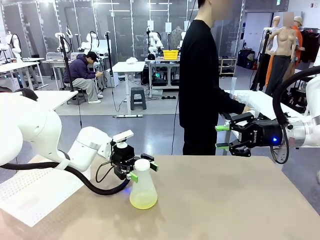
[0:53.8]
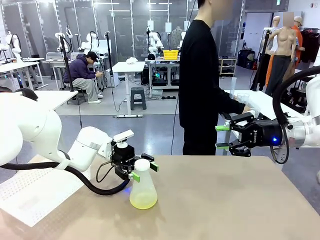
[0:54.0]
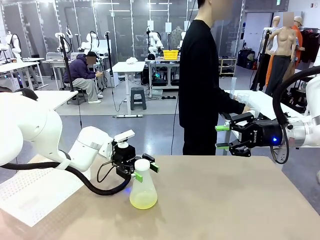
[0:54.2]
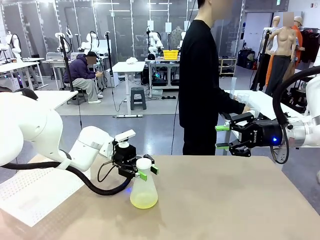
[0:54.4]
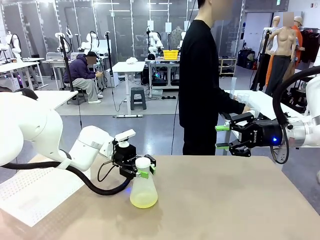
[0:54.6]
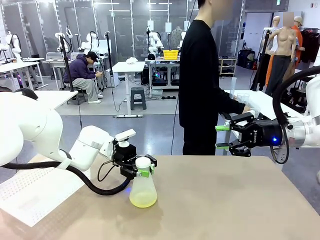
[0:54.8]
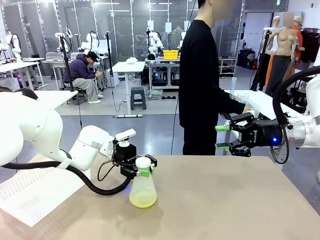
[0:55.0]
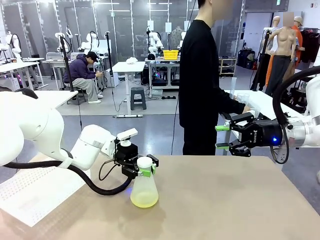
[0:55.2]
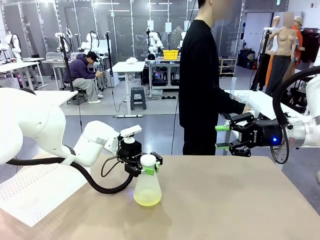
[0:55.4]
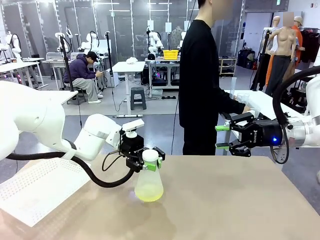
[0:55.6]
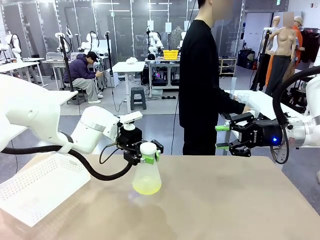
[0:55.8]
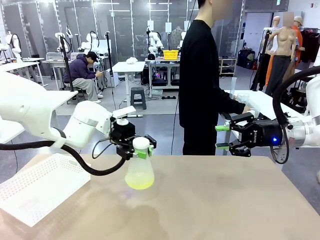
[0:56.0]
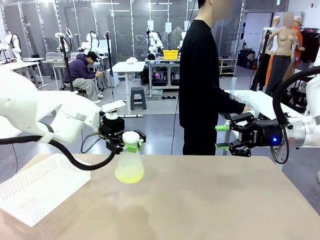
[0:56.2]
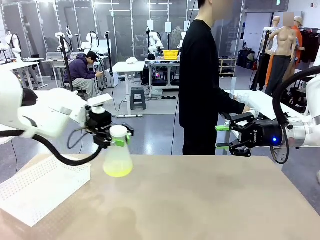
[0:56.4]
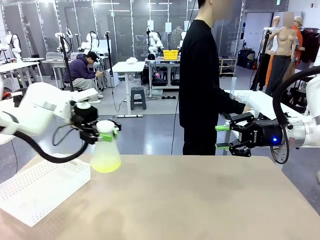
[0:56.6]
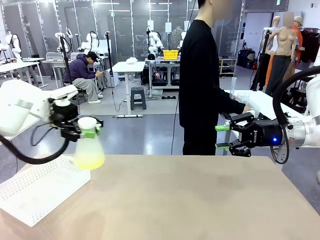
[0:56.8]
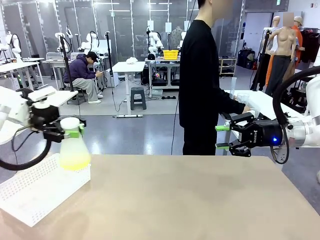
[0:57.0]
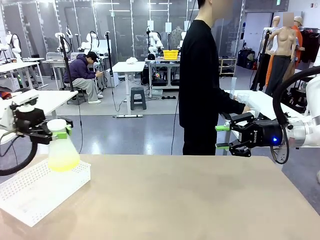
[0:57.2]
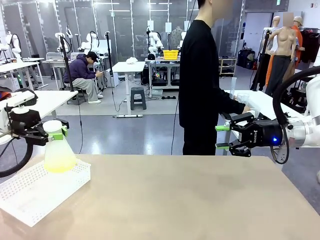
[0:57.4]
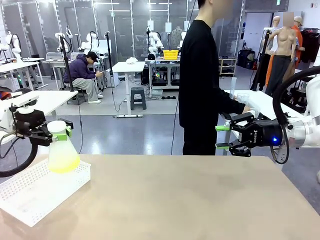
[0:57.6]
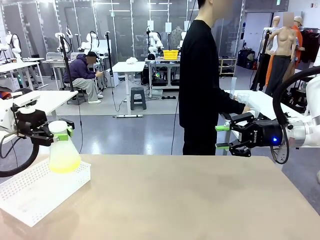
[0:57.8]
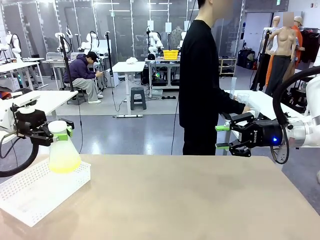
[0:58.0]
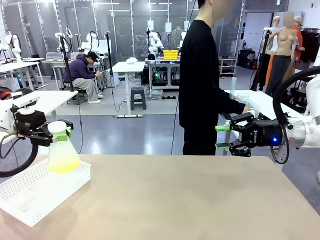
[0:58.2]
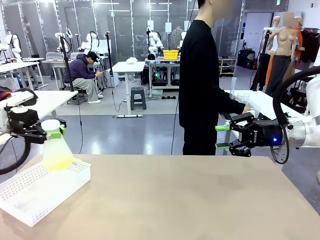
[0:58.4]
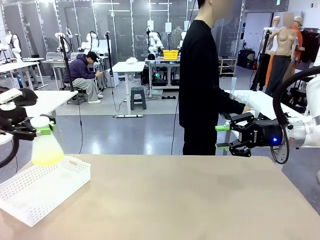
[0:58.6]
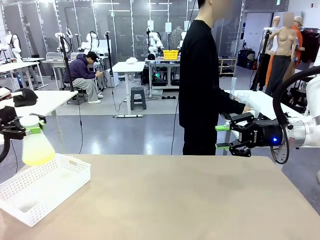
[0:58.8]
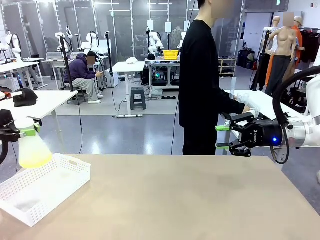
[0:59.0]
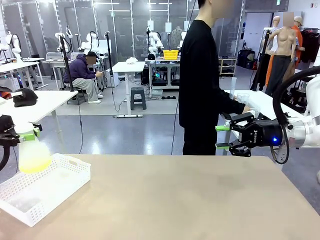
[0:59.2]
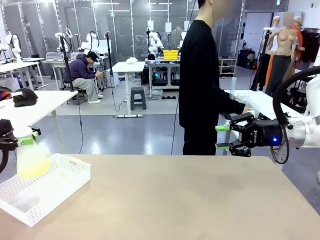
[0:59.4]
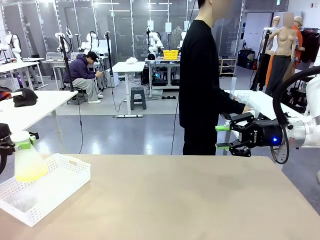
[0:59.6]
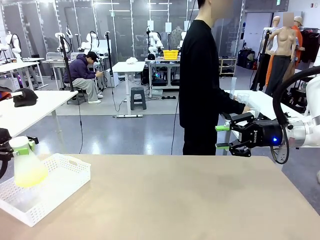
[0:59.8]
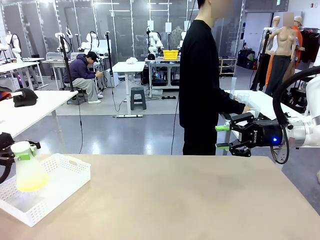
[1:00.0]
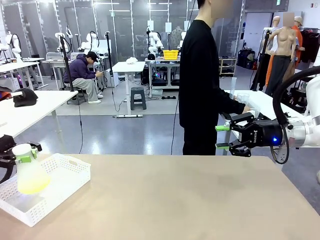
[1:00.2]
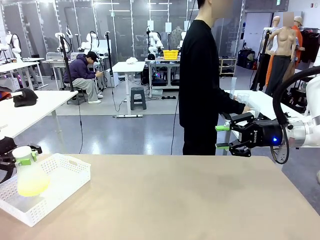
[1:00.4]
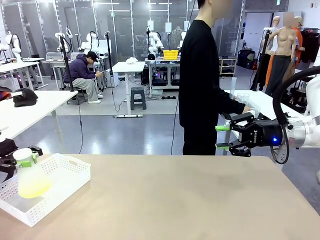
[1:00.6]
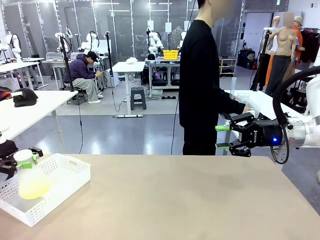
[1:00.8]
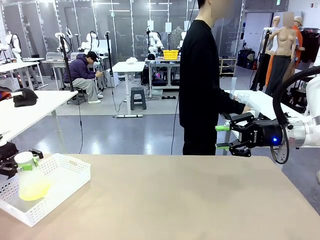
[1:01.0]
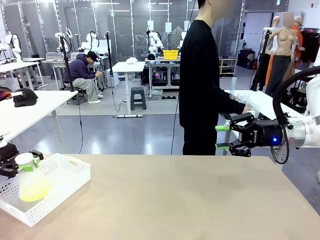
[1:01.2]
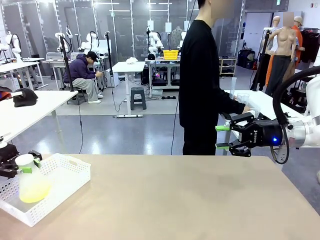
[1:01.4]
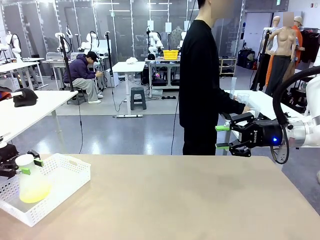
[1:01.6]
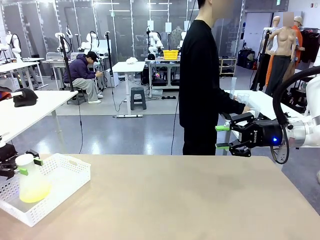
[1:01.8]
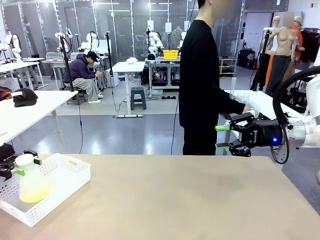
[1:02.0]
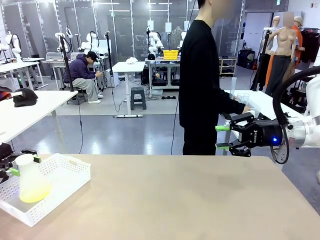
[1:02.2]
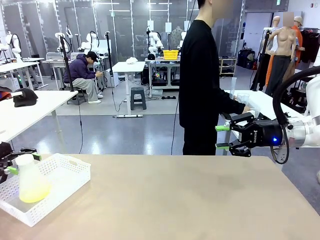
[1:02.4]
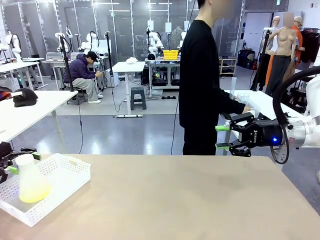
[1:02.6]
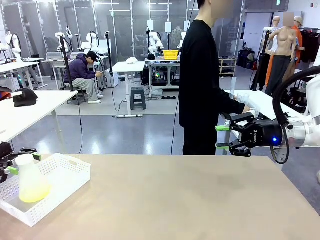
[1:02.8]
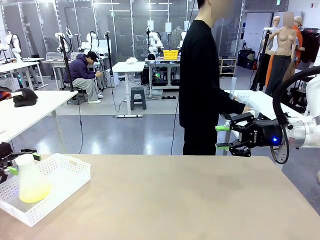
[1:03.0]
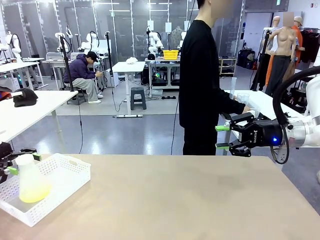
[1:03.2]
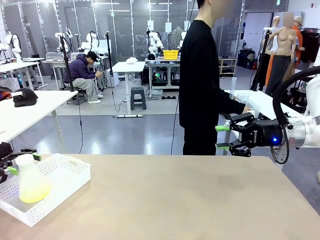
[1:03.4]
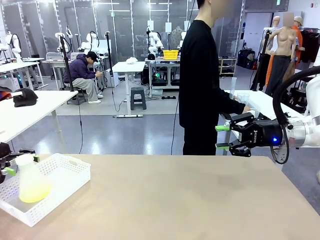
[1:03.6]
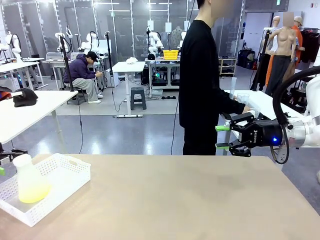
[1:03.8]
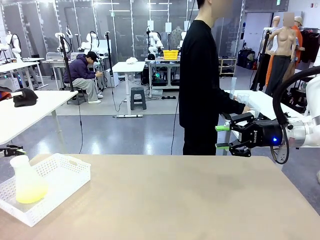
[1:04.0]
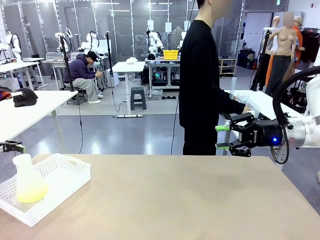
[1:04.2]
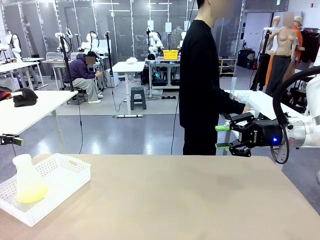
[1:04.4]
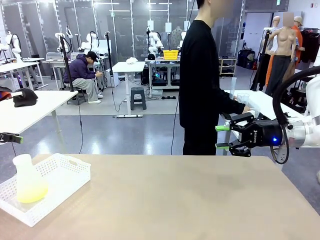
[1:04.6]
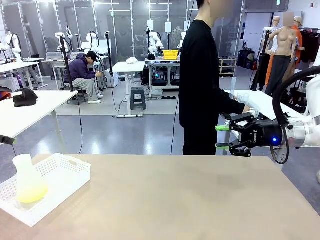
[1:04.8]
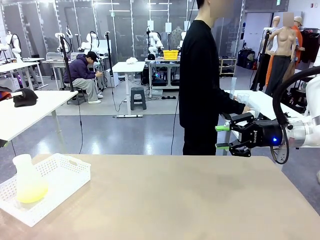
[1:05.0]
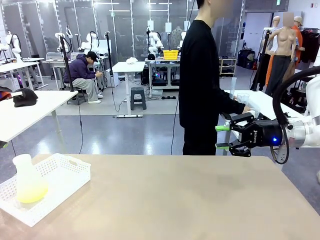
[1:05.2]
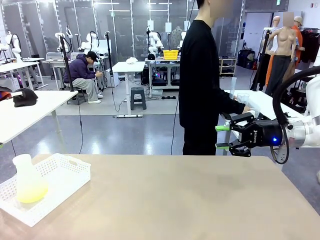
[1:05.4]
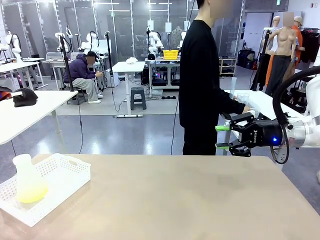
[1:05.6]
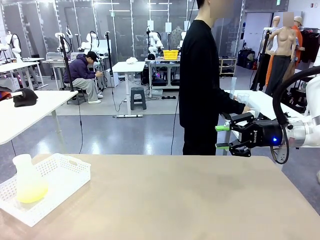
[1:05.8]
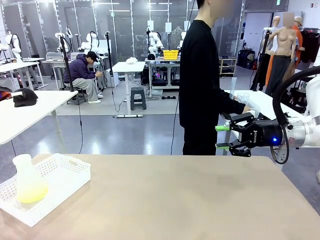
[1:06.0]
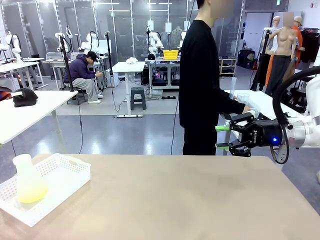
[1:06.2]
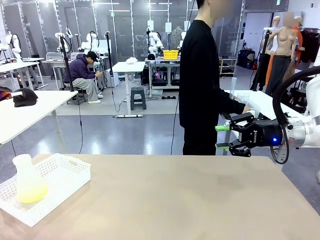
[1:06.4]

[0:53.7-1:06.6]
Task: Prepare the solutions needed for the experiment.
Robot: When the human places the Big flask in the center of the table, pick up the Big flask and place it in the left Organizing basket.
Person: Pick up the organizing basket on the left side of the robot table and place it on the left side of the human table.

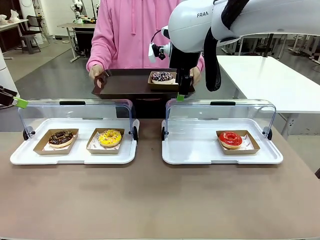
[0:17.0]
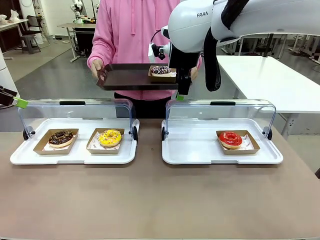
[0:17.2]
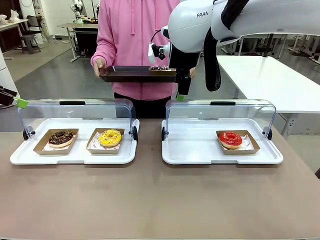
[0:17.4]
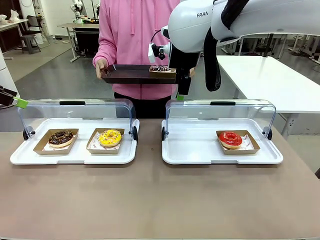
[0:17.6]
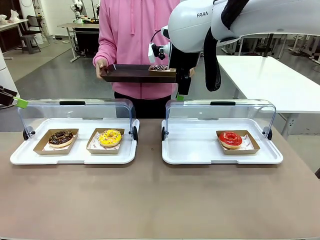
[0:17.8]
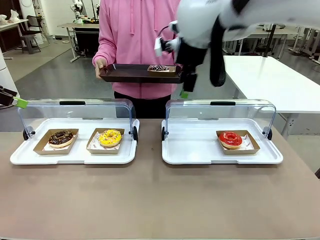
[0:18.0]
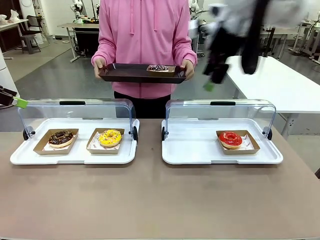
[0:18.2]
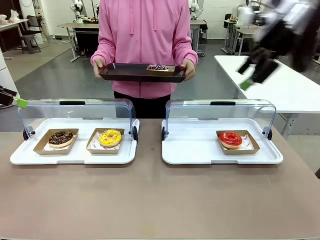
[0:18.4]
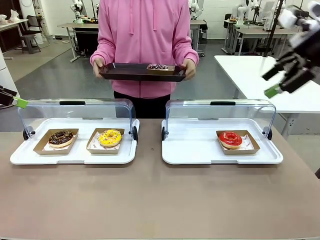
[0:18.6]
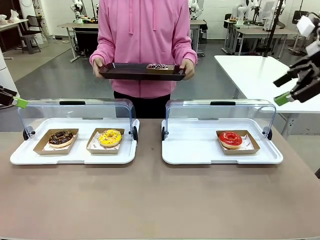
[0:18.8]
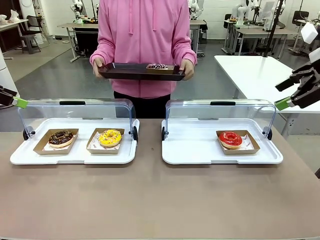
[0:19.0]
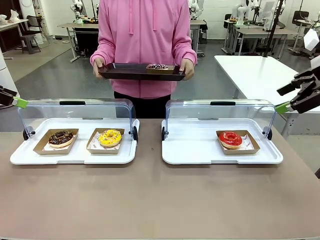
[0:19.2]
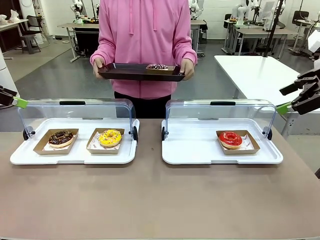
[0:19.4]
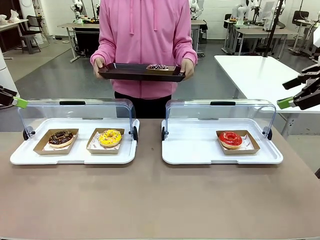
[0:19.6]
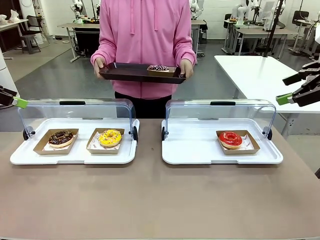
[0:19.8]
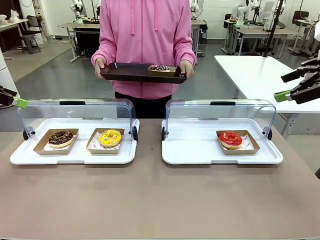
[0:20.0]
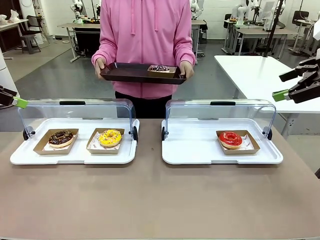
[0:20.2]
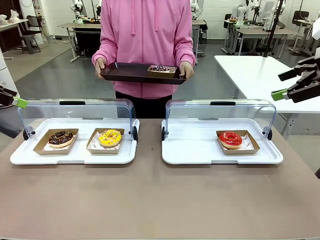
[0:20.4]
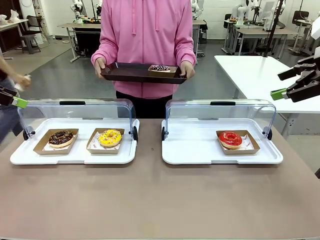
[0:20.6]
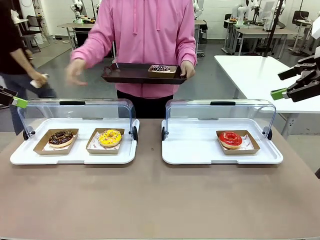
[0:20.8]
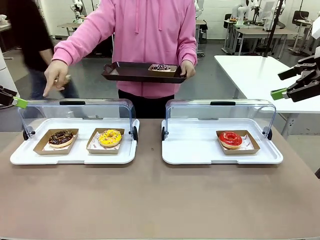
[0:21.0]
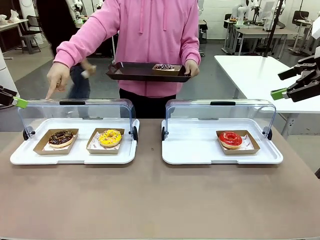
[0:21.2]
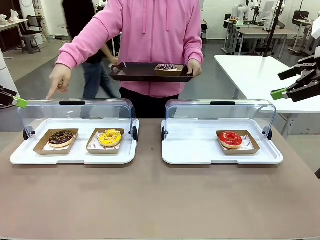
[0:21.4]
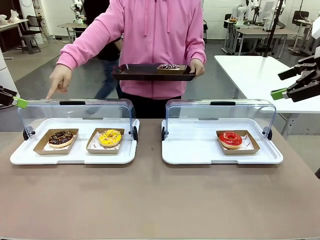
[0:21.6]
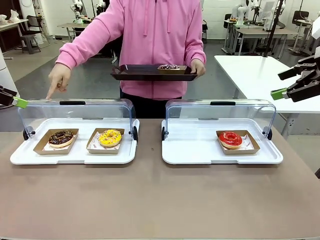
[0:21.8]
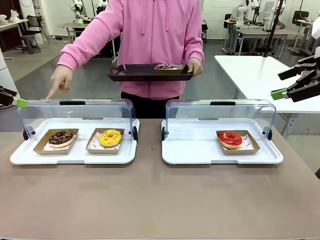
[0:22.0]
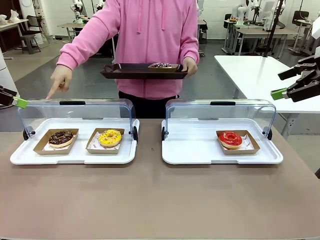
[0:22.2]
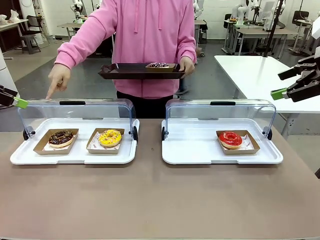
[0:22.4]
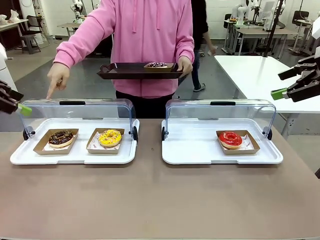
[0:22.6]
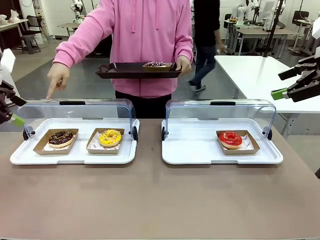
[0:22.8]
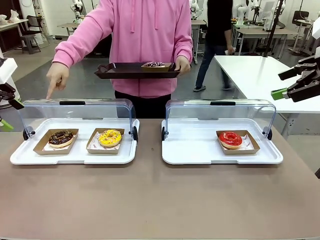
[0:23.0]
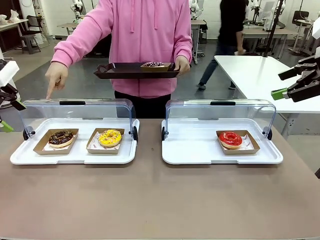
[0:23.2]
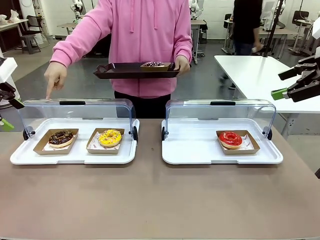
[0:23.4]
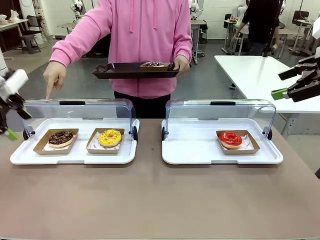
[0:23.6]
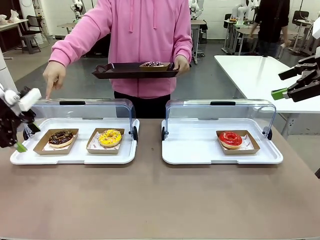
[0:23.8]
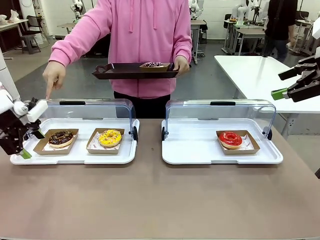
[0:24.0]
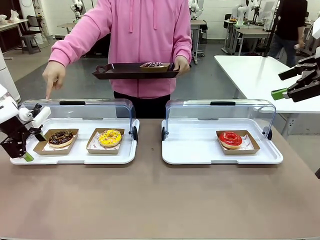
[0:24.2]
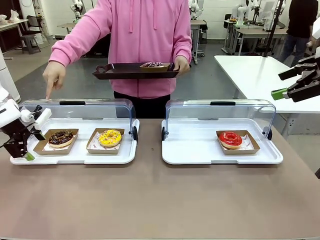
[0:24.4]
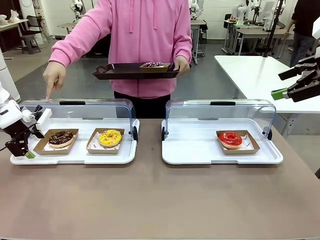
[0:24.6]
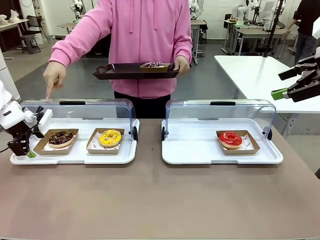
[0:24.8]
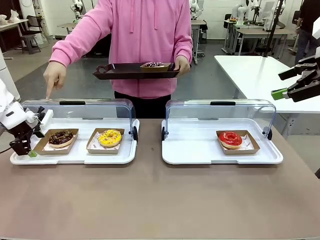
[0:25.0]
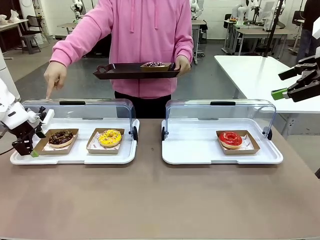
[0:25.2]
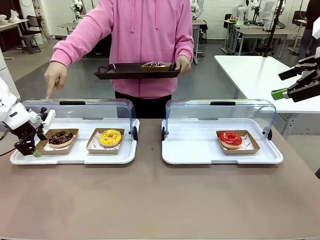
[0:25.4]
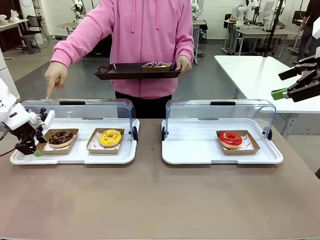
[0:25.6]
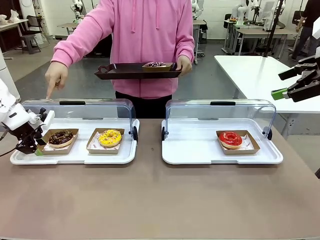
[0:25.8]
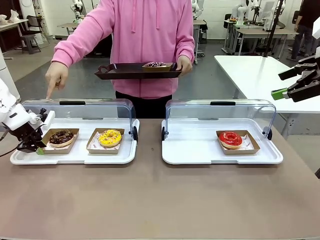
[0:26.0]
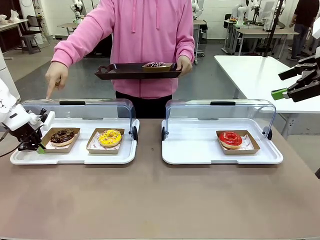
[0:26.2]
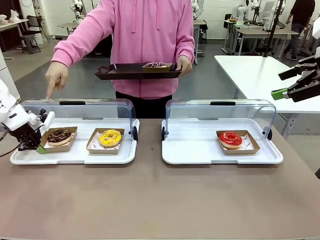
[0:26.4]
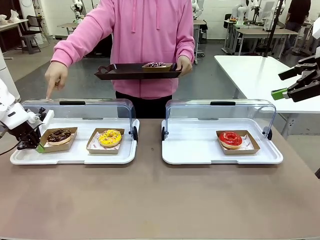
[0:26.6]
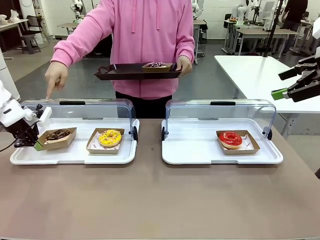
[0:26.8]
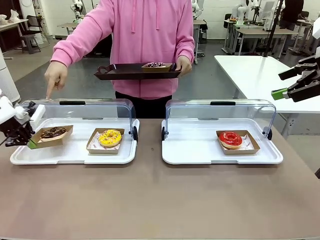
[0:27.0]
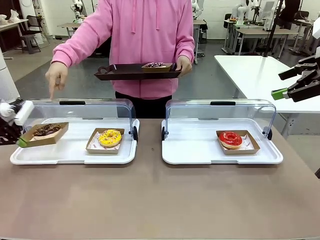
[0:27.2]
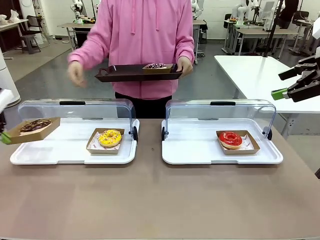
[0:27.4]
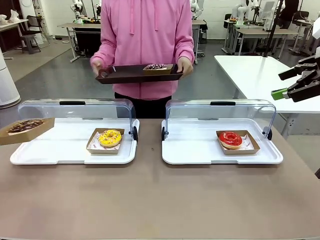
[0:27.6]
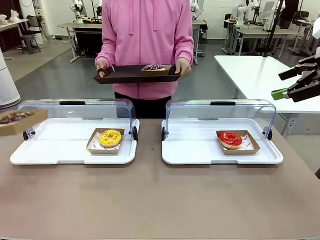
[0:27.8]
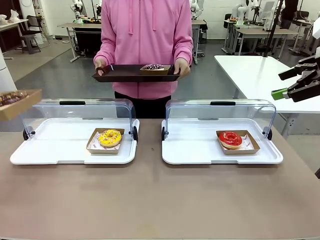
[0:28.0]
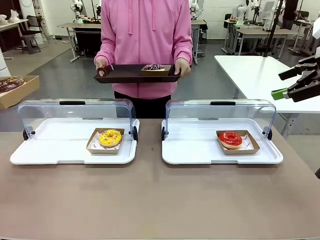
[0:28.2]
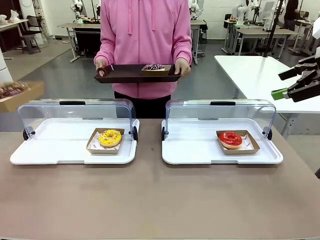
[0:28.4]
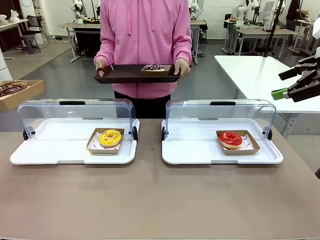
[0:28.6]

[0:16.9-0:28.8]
Task: Provide the desired donut to the person.
Robot: Pick up and lift the Paper togo box containing the Donut pointed at by the person.
Person: Point to one donut. Lift the tray onto the Roll-Top Bakery Case.
